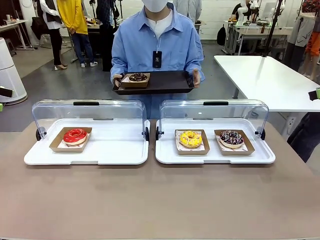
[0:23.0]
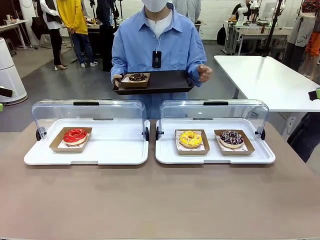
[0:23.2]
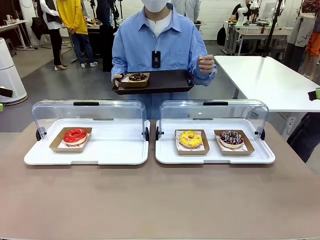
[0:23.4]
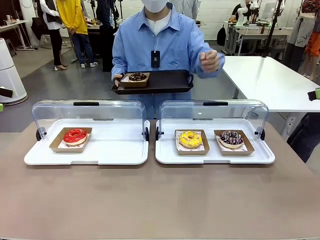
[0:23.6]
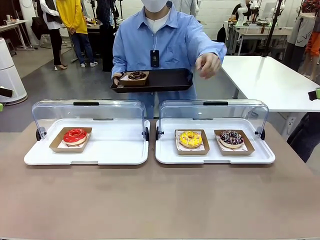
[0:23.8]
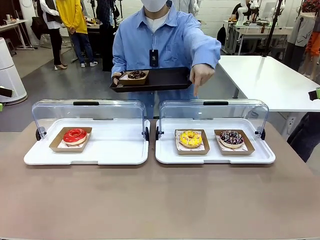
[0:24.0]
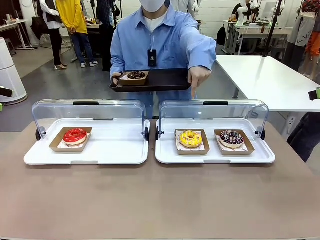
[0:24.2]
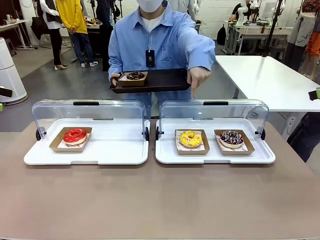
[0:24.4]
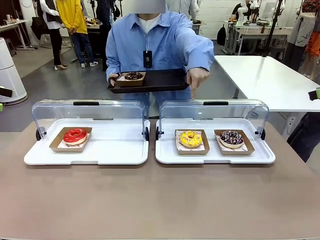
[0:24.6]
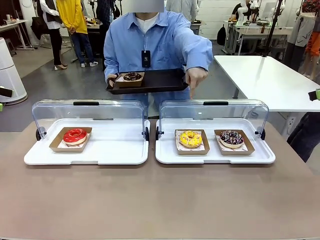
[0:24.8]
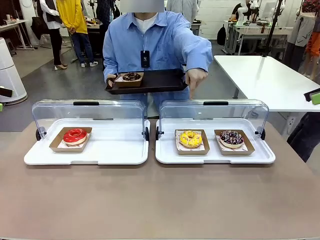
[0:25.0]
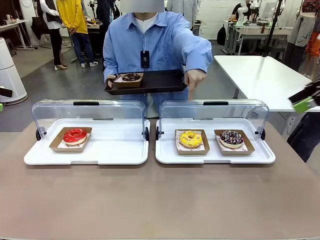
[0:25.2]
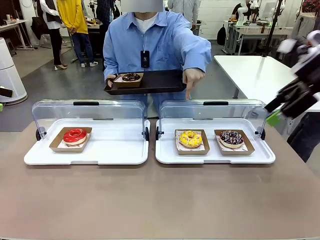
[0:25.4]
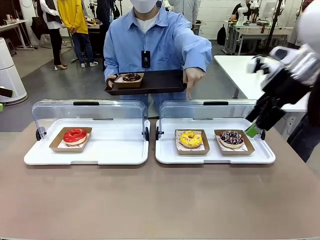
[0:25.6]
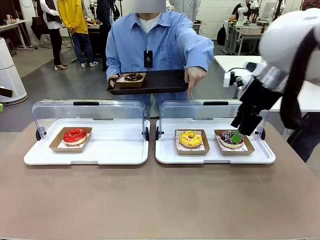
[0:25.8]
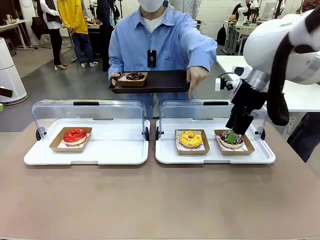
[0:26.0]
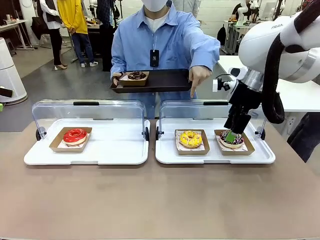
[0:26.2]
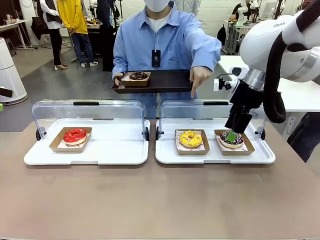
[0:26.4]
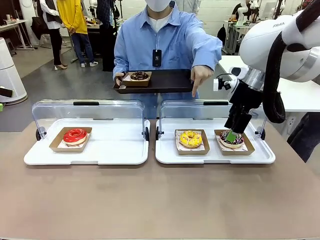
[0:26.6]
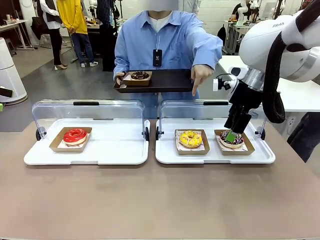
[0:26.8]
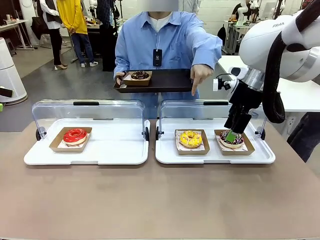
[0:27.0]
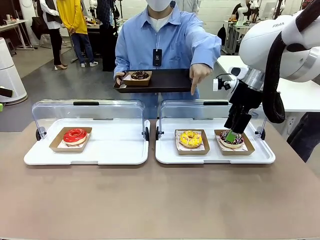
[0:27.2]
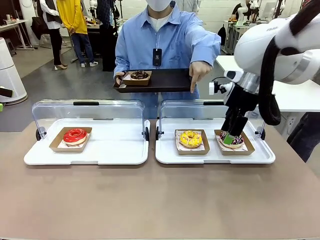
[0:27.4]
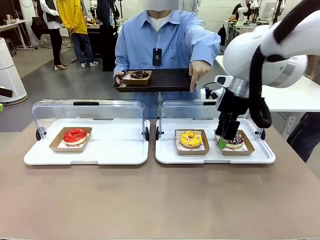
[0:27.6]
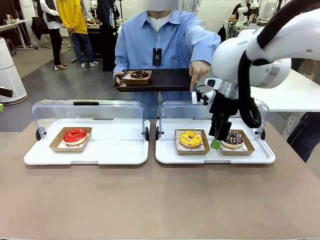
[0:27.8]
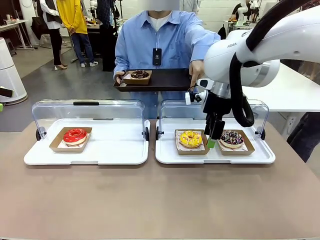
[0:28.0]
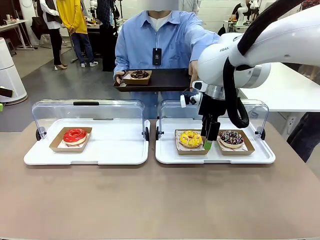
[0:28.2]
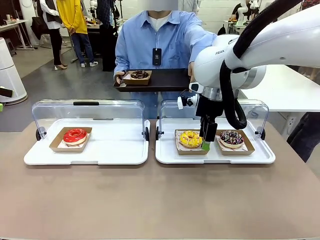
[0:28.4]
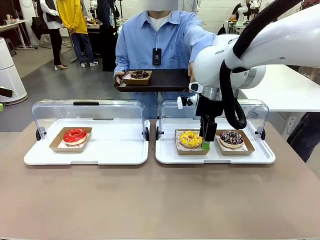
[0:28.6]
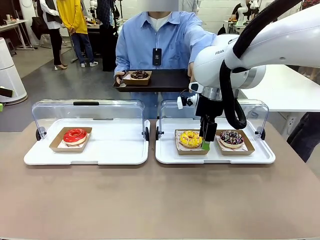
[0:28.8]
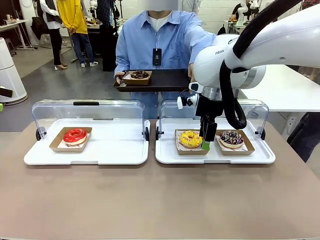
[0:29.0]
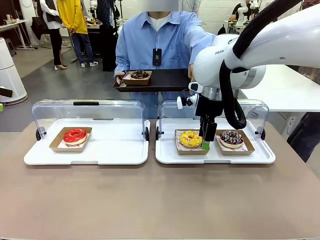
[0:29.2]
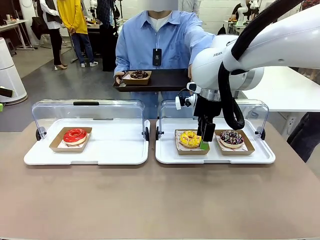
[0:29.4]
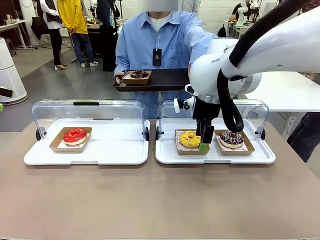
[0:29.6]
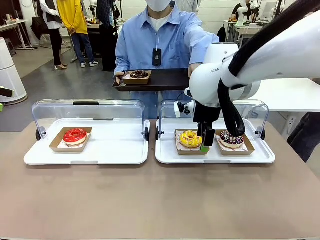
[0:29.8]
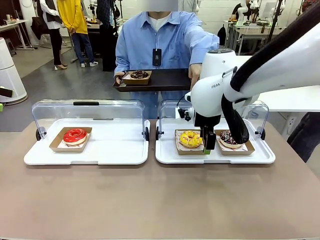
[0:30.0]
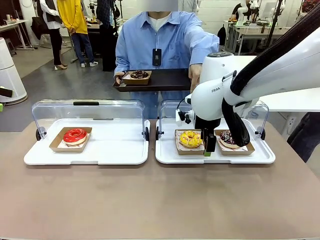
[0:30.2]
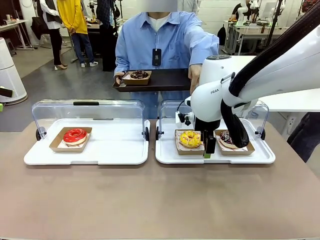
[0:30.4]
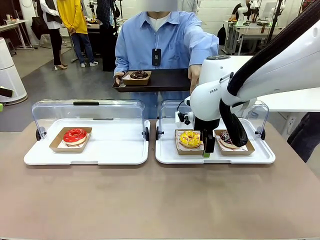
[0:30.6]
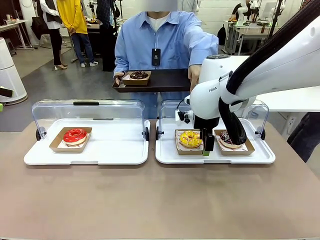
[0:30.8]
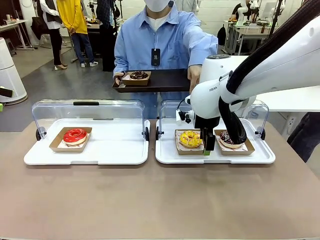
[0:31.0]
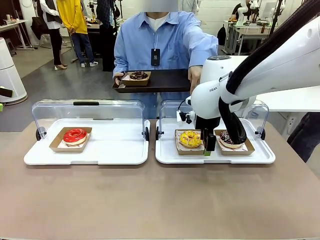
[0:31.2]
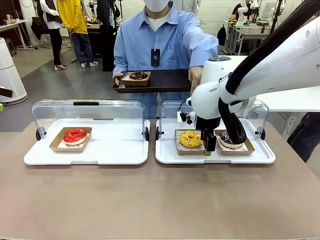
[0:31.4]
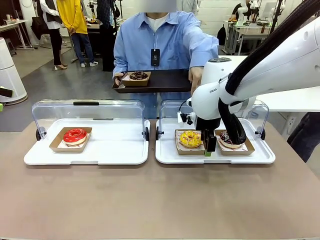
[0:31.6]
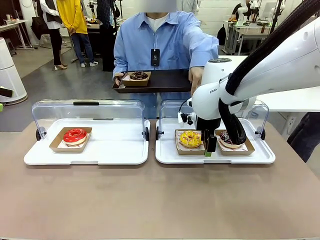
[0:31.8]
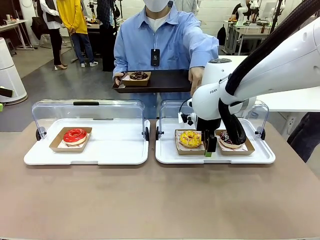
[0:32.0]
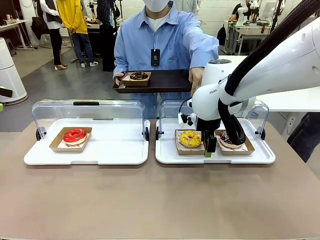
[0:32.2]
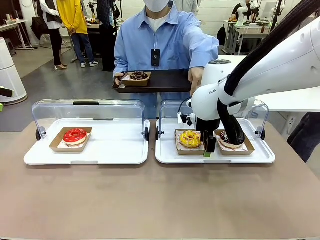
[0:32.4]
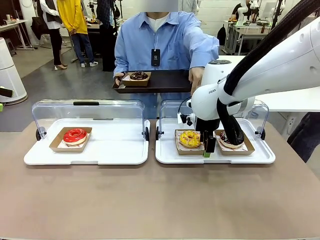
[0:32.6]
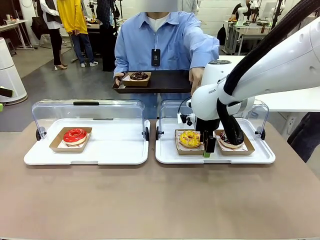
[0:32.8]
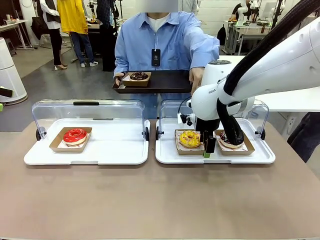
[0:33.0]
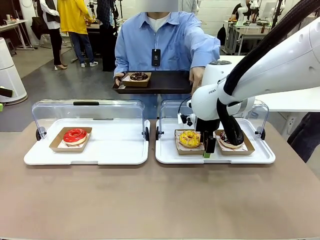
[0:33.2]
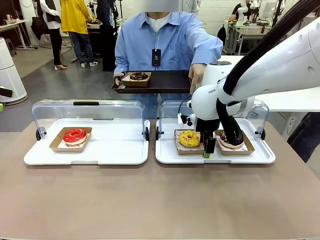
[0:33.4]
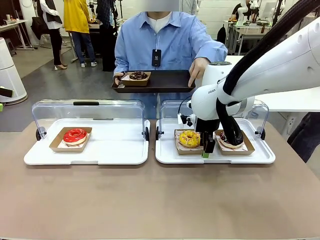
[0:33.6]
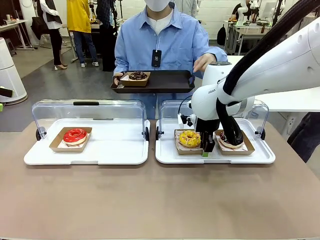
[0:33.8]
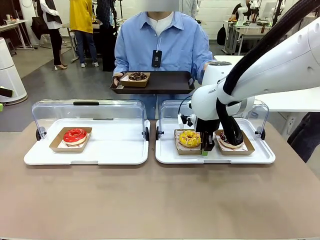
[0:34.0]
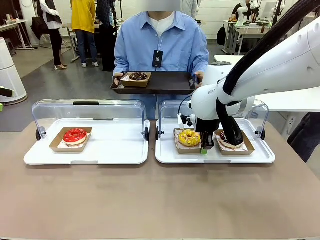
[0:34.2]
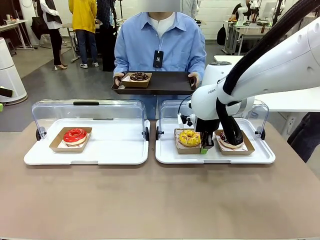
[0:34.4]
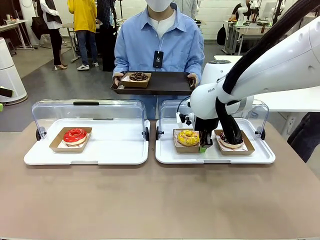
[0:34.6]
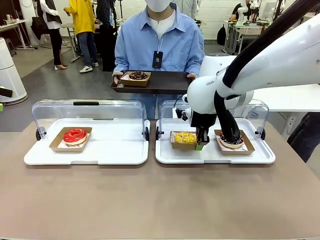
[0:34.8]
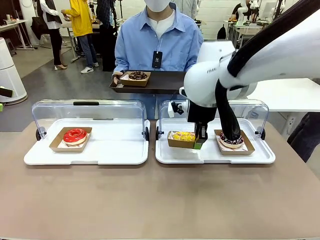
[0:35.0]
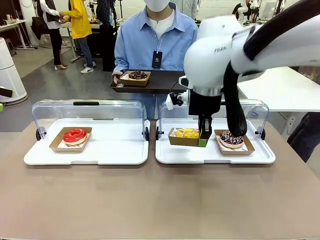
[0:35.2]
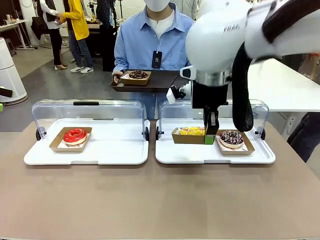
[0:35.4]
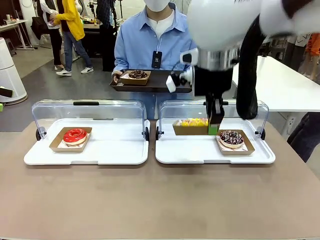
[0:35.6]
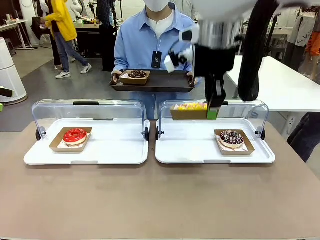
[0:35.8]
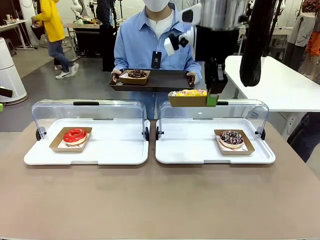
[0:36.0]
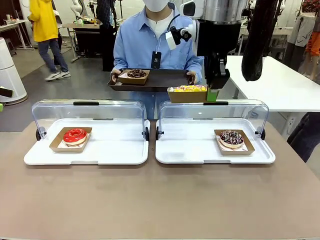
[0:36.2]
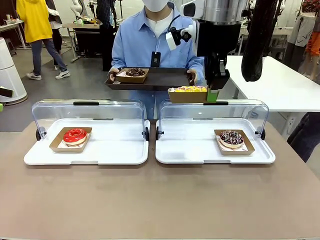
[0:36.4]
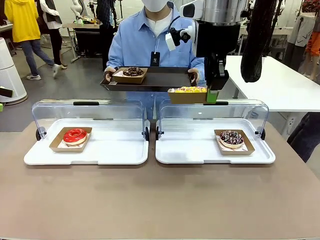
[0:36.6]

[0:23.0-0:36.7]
Task: Provide the desired donut to the person.
Robot: Pick up and lift the Paper togo box containing the Donut pointed at by the person.
Person: Lift the tray onto the Roll-Top Bakery Case.
